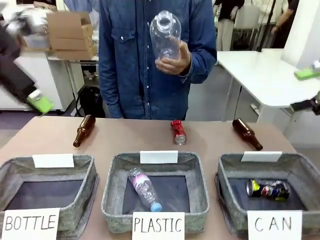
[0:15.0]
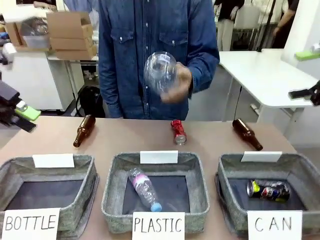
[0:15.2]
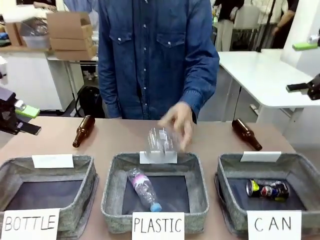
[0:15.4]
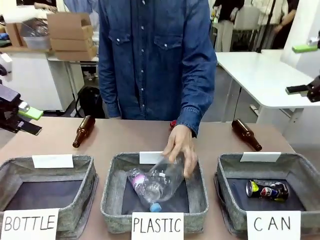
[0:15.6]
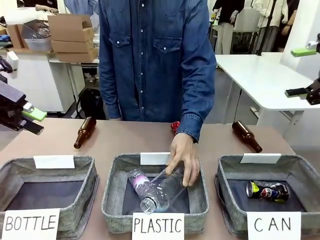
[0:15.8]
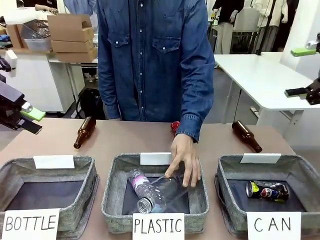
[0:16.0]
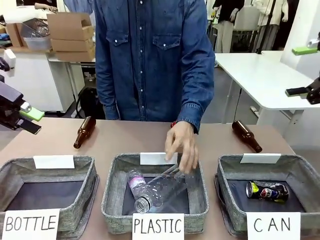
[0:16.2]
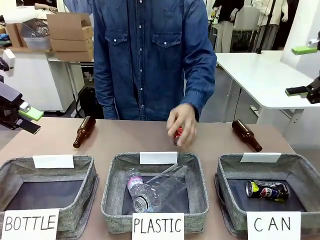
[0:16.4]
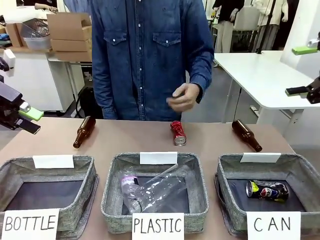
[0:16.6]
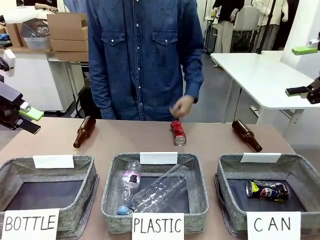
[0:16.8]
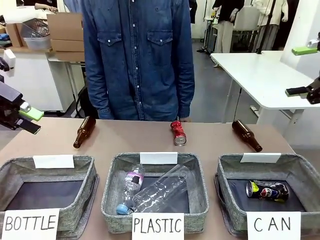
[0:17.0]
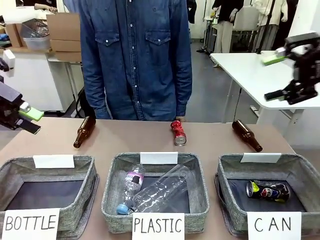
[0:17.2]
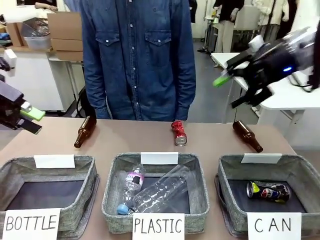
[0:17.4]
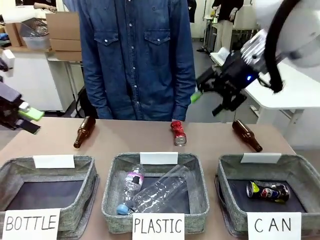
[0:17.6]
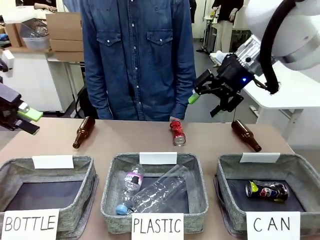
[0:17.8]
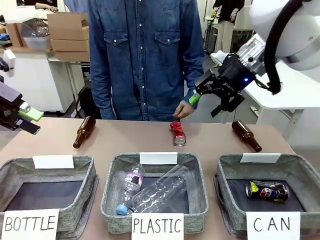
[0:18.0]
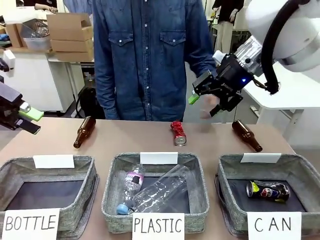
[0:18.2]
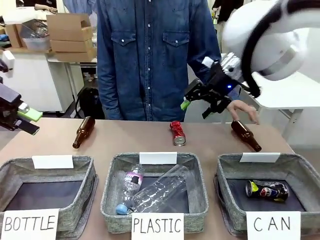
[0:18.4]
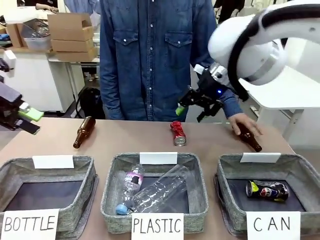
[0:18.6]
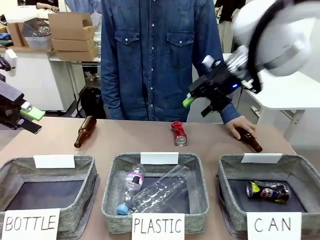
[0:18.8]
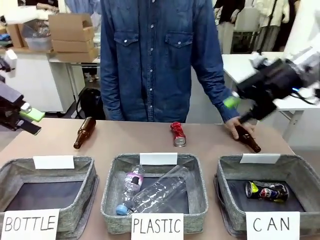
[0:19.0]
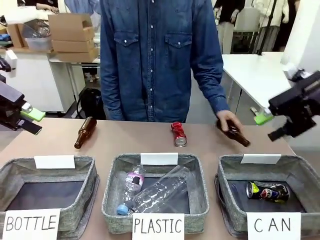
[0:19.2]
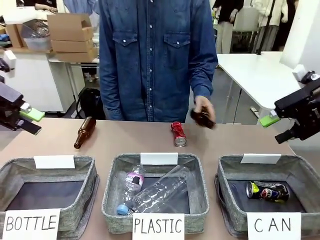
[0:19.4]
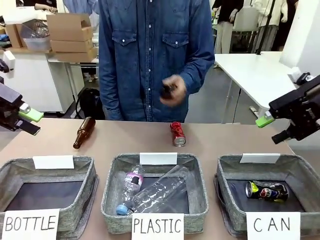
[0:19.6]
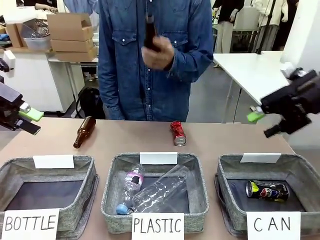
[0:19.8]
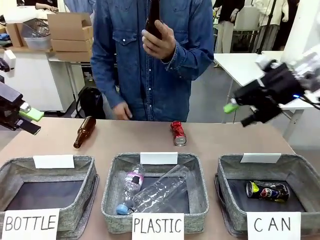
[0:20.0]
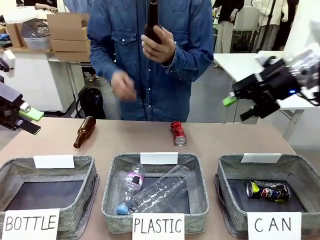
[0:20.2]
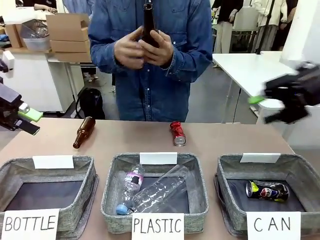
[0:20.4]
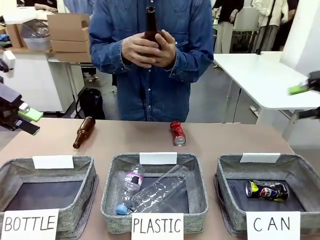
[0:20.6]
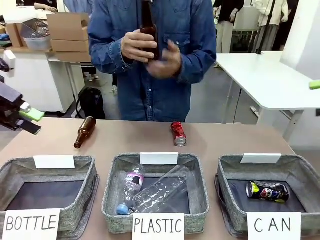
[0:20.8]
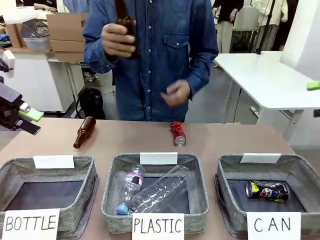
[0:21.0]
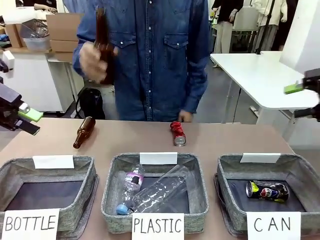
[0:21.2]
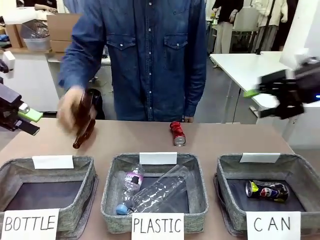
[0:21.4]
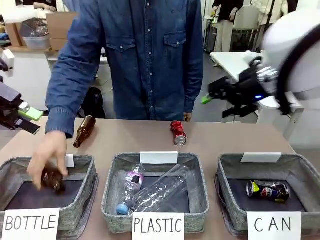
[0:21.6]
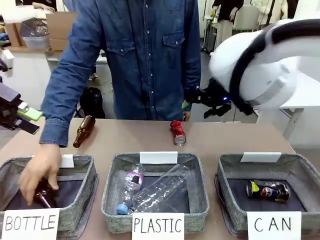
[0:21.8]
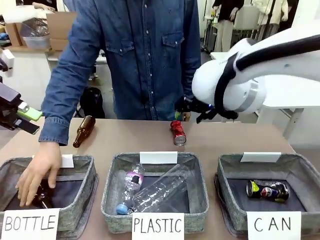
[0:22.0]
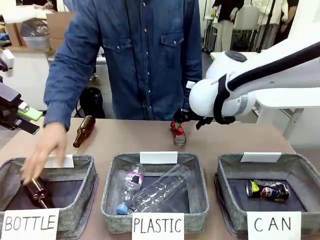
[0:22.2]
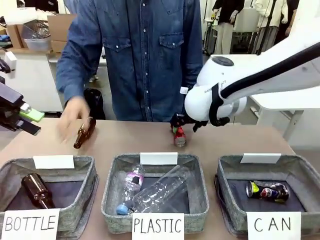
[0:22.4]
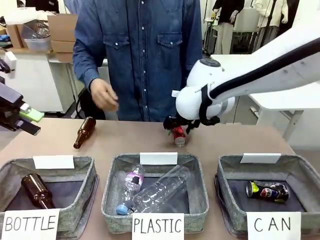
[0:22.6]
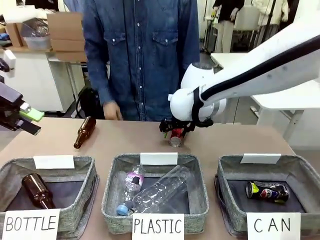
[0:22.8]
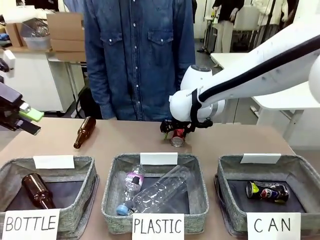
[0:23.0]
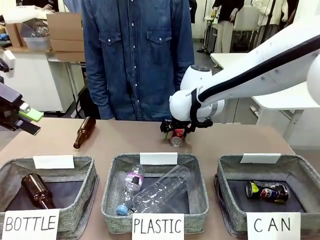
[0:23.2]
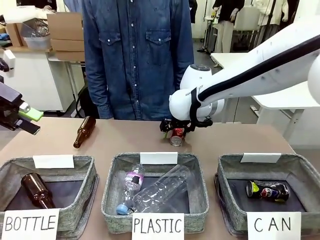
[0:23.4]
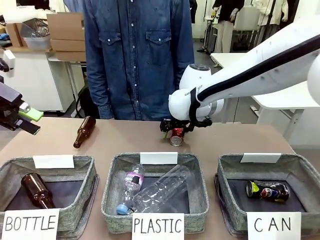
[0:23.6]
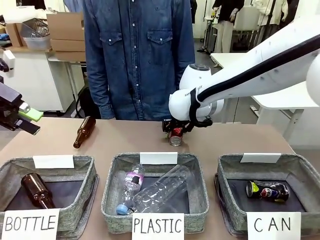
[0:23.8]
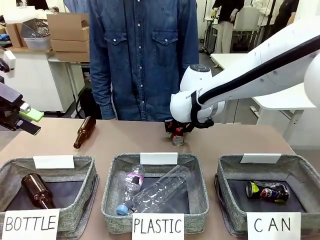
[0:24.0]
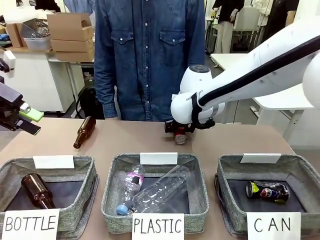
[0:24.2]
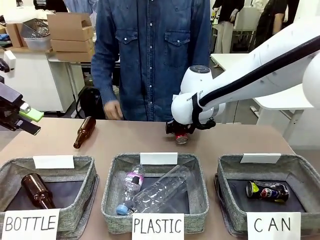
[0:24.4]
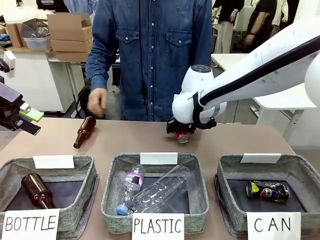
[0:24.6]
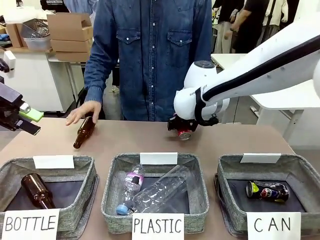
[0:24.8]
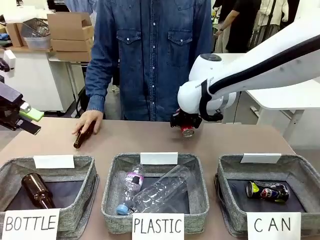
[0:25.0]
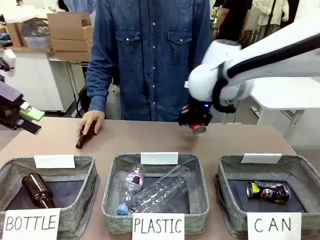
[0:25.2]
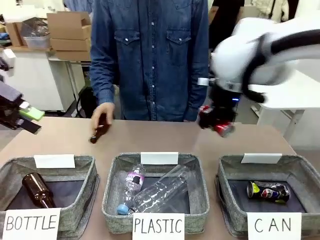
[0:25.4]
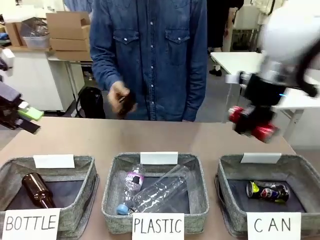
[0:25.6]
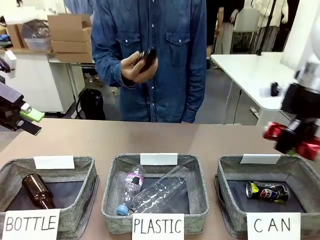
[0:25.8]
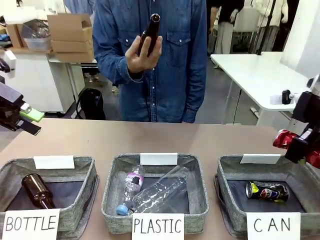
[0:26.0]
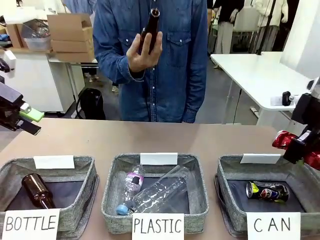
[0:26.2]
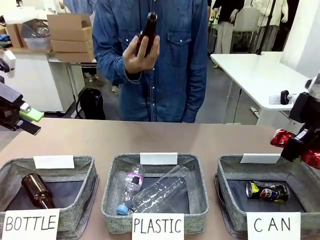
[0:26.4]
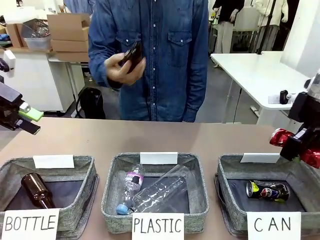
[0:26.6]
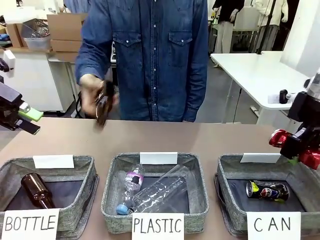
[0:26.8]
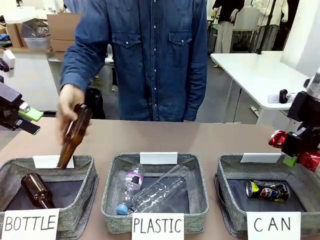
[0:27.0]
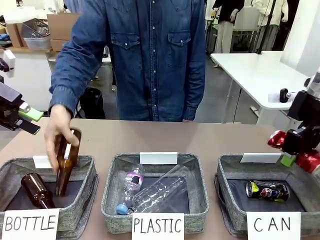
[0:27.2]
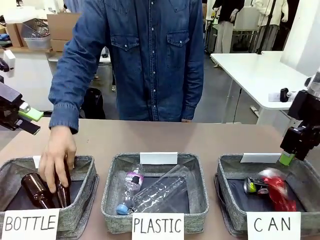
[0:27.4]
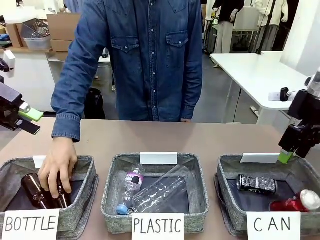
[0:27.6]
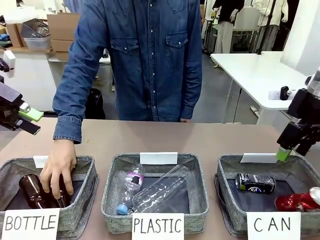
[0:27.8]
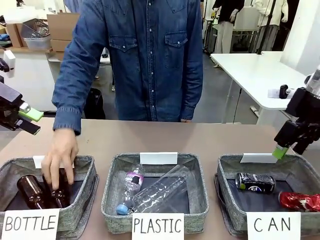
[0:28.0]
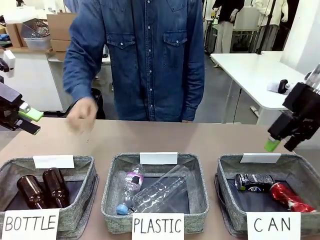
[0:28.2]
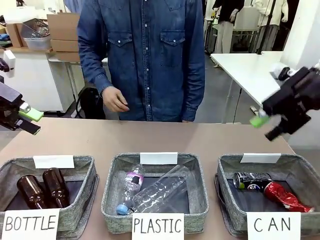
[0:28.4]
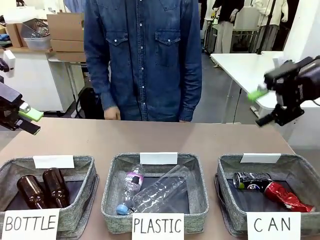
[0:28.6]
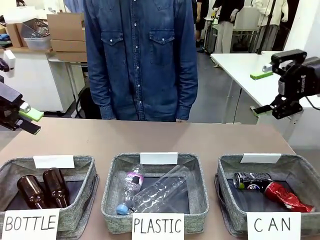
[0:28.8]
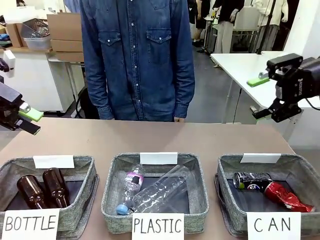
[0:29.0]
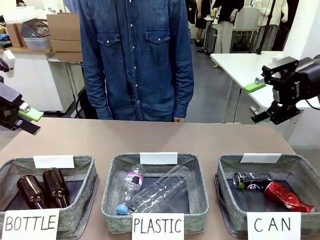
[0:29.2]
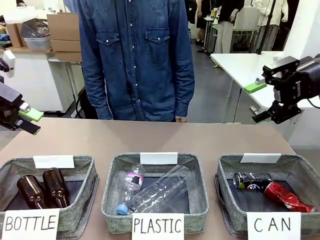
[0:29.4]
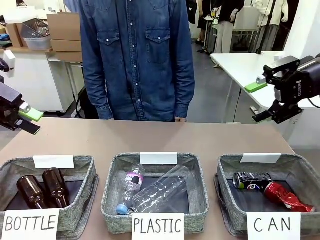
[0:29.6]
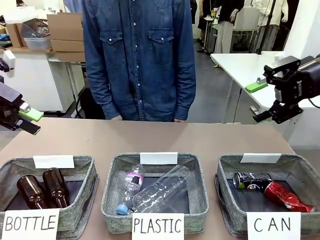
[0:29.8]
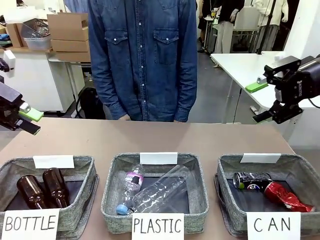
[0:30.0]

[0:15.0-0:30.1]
Task: Sort the can waste into the basket.
Robot: Pick up the can waste from the table and place it in the right Fabric basket.
Person: The human picks up one piece of trash that is not a can and places the trash into the appropriate organizing basket.
